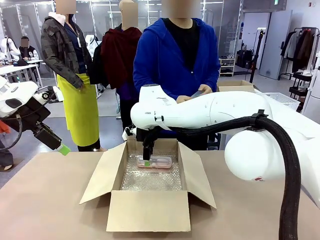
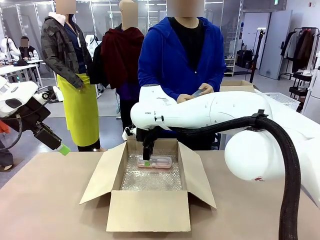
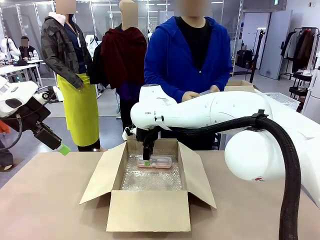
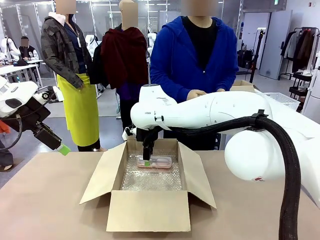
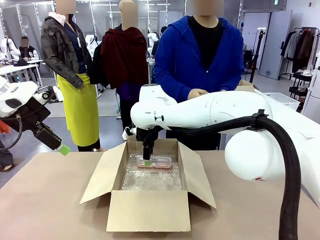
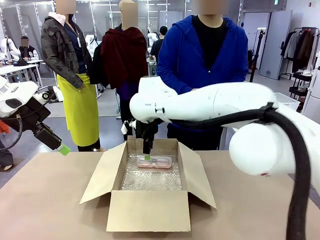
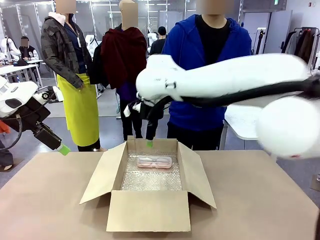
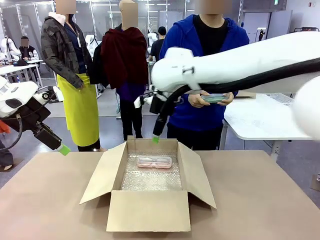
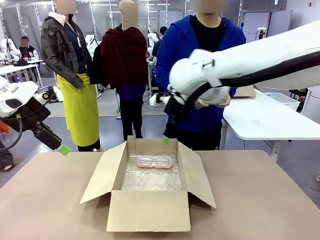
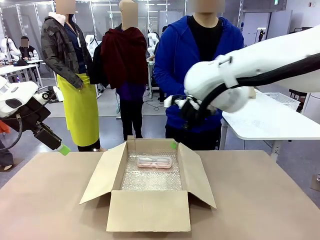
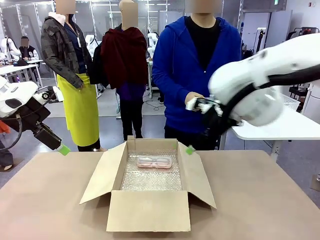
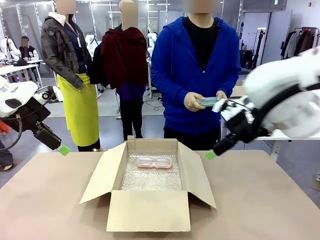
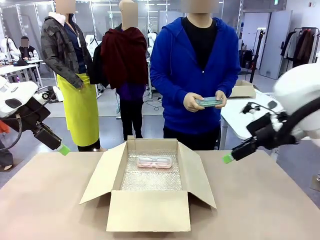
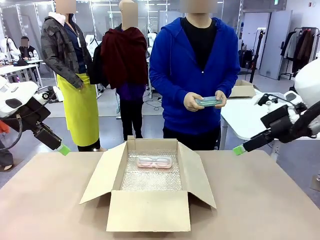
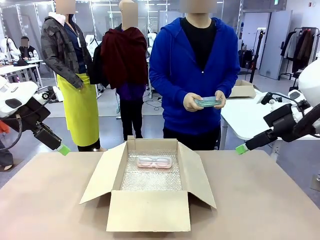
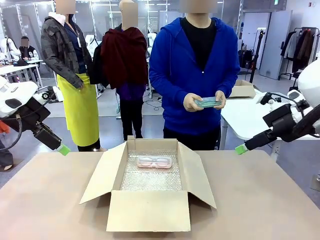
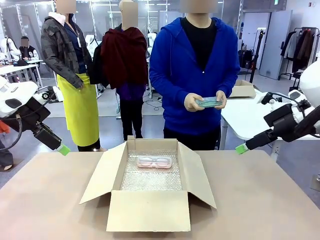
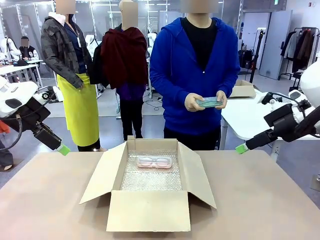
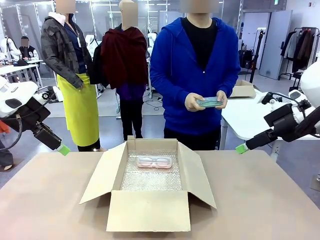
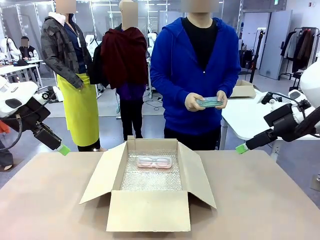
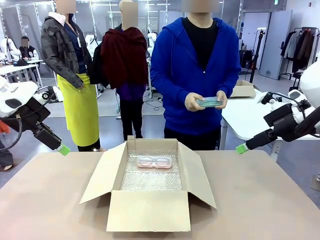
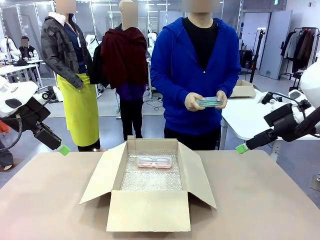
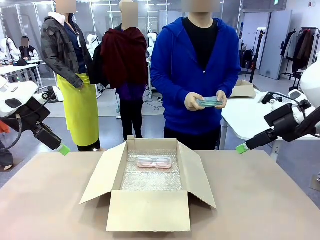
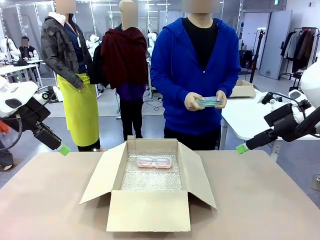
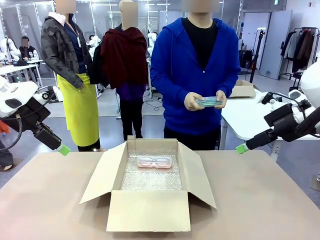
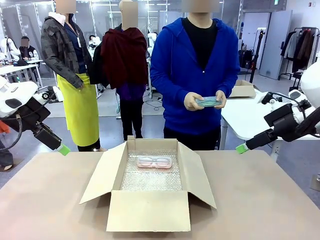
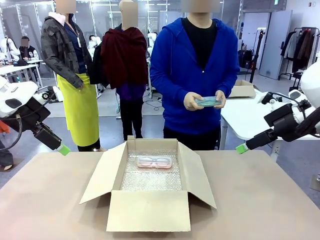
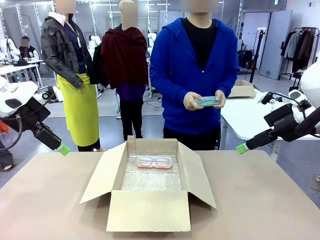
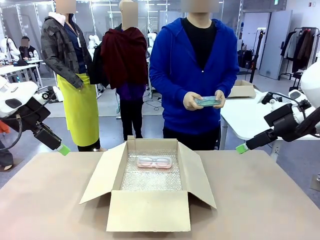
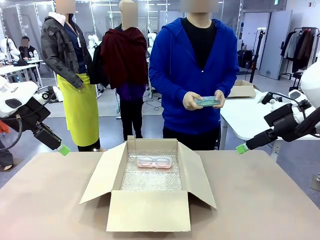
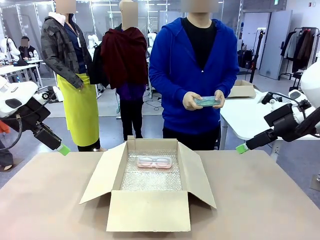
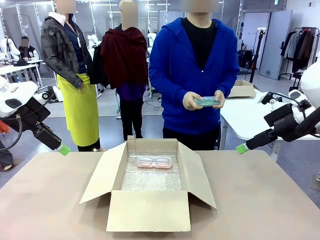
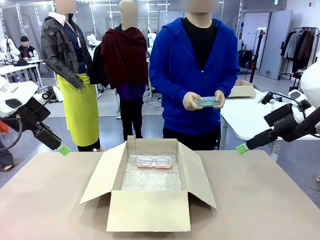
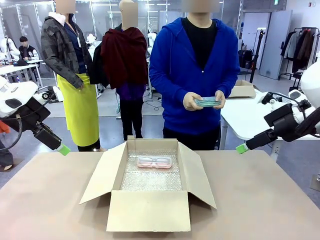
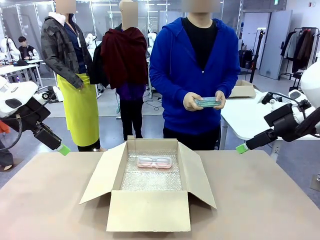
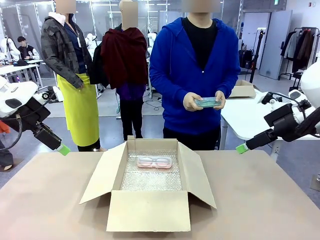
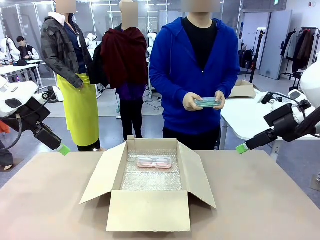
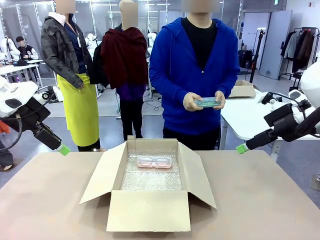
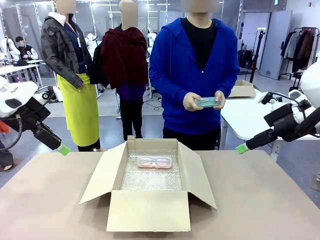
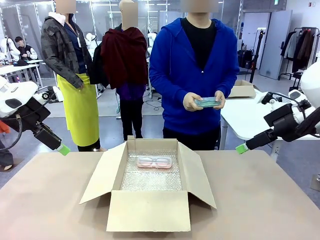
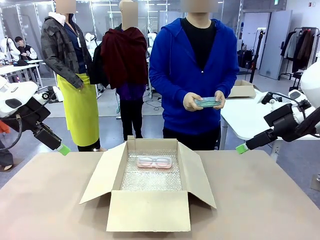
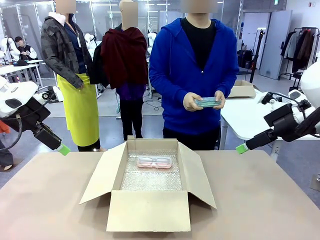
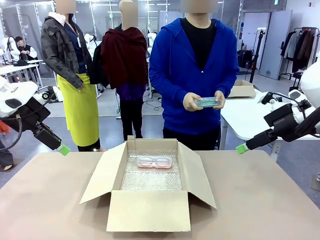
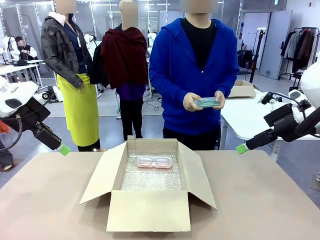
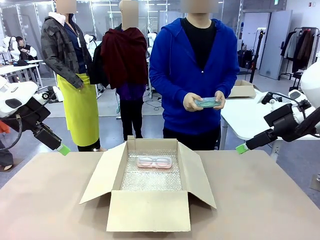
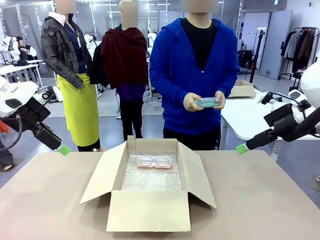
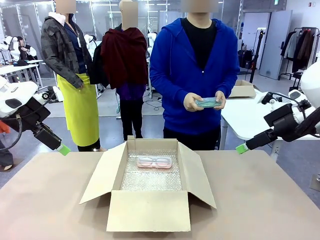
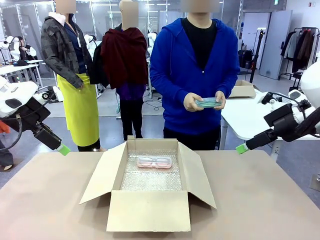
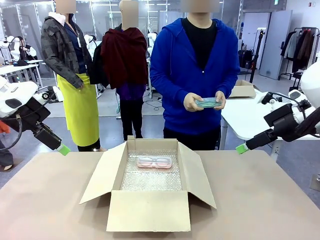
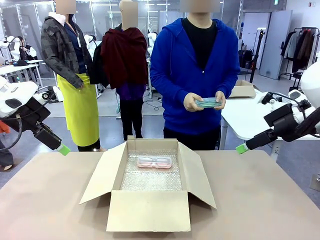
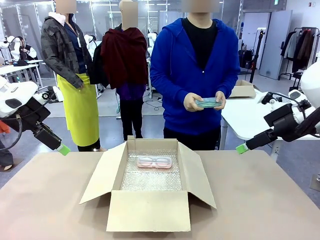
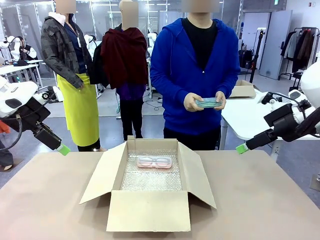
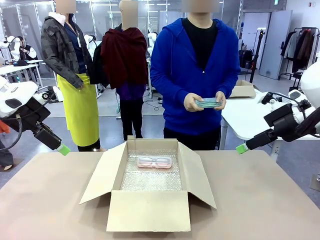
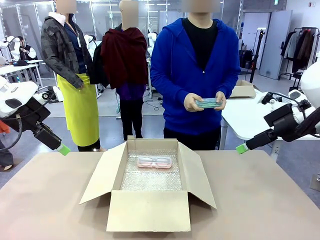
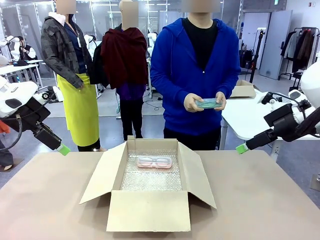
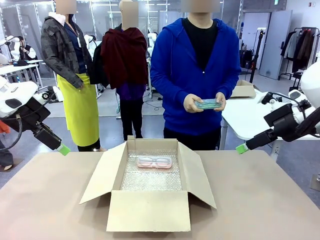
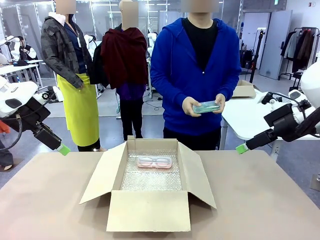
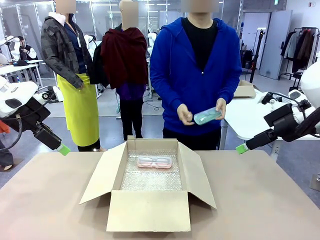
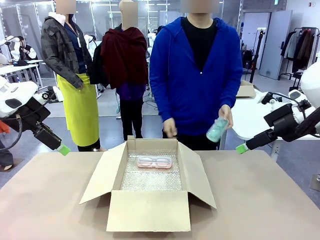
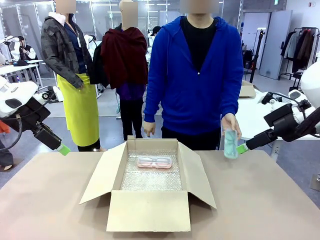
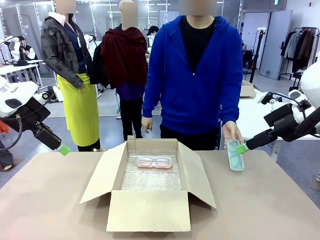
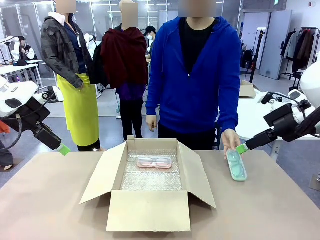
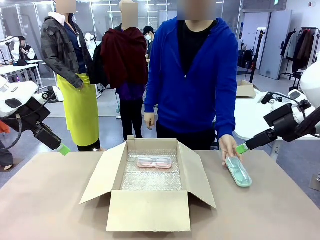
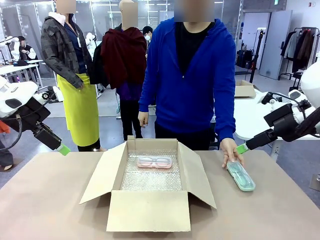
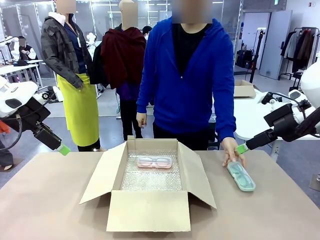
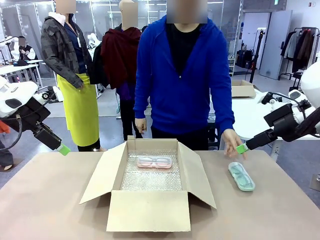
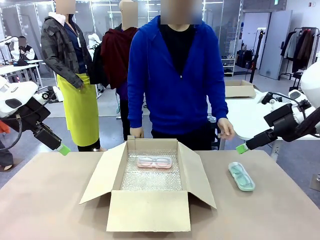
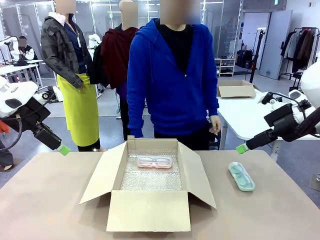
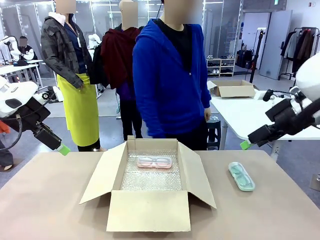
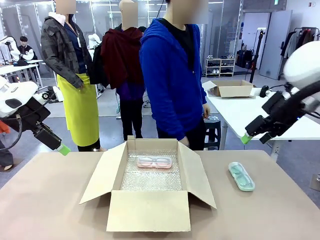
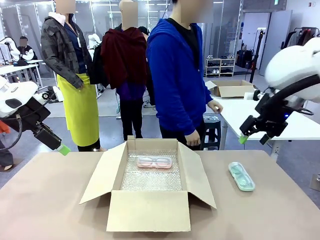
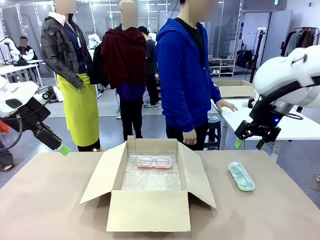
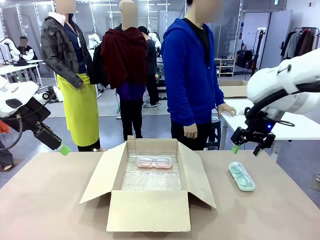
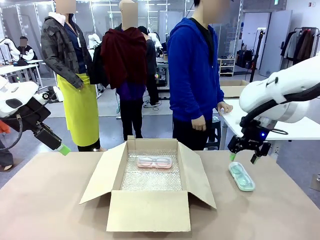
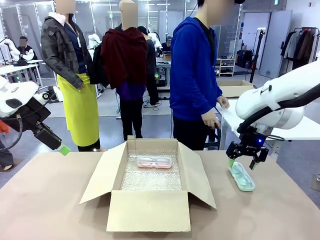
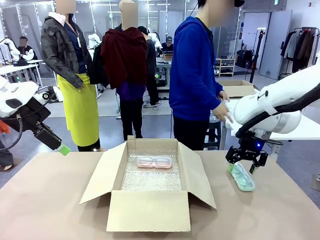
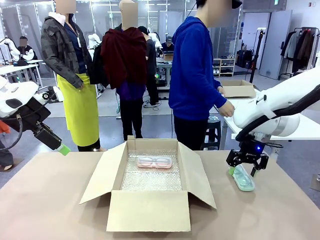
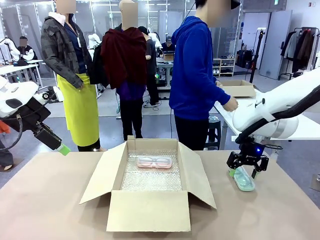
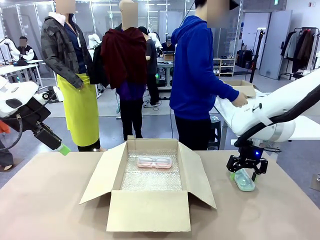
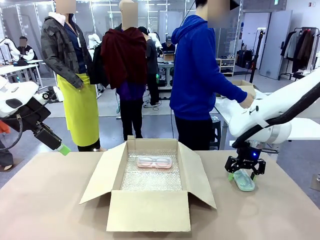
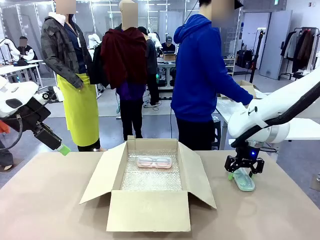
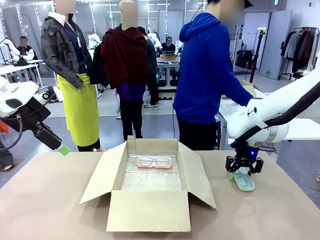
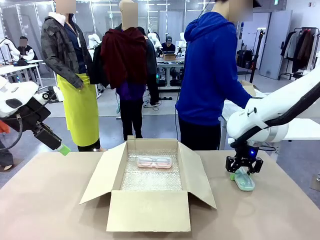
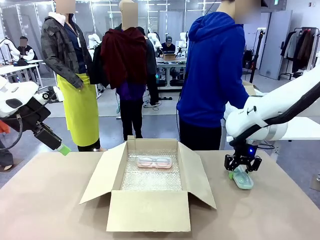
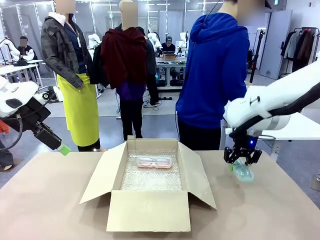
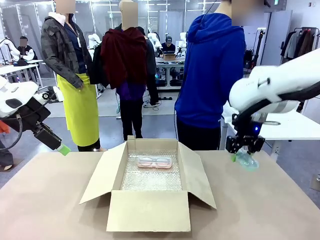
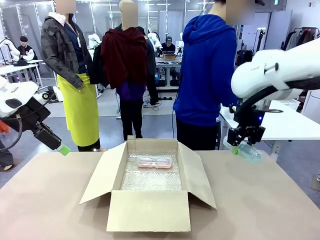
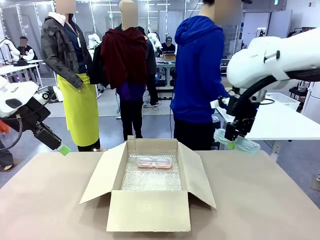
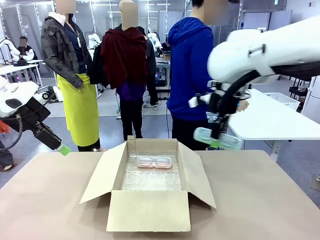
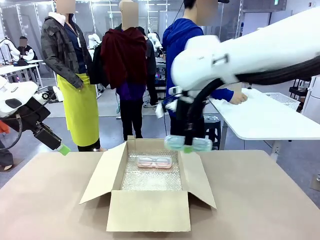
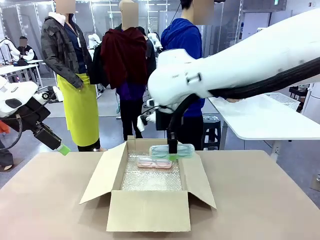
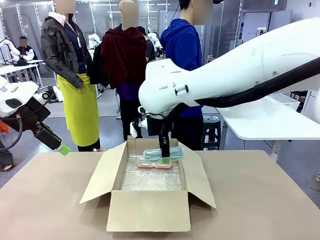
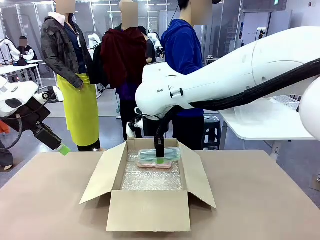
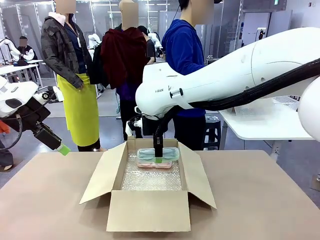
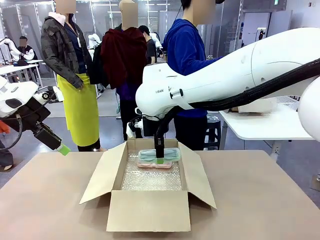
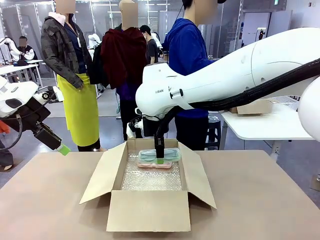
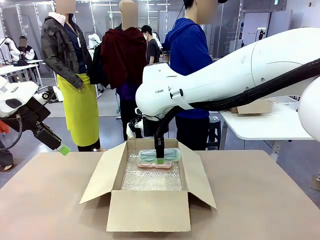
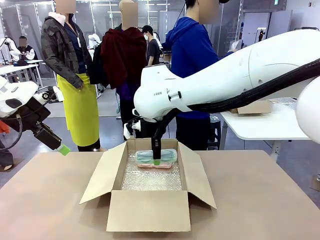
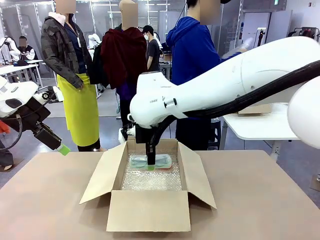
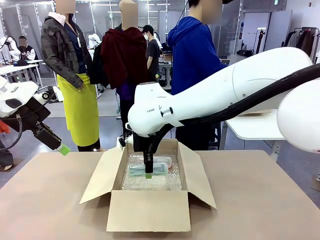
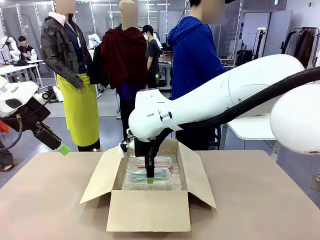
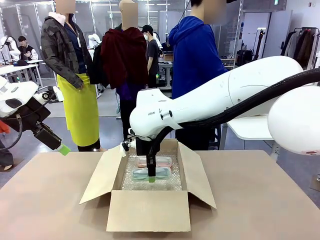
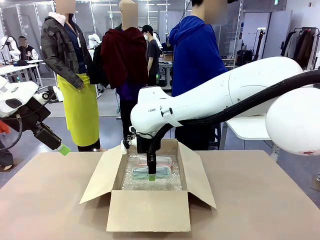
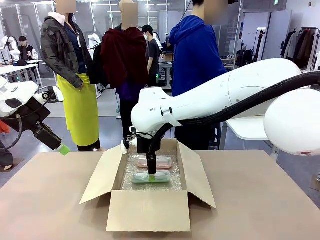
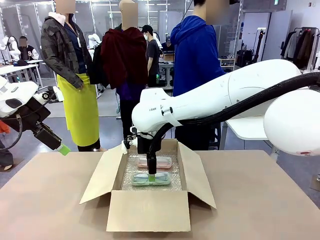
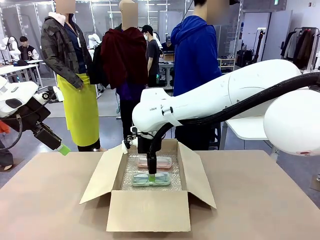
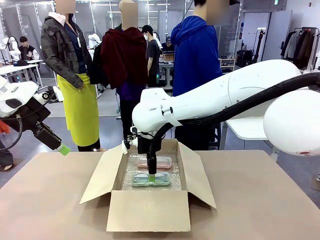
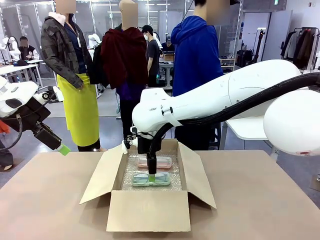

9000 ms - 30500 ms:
Task: Pack the glasses set securely to prepare it for shipping.
Robot: Put the Glasses case from the right side of the table into the Package Box.
Person: Position the Glasses case on the left side of the robot's table.
